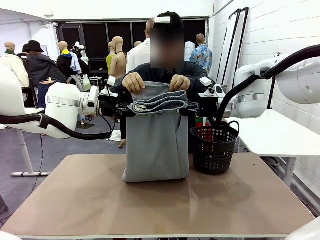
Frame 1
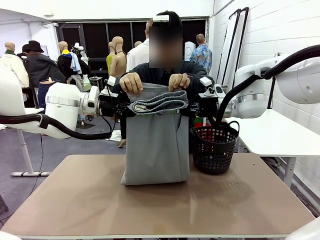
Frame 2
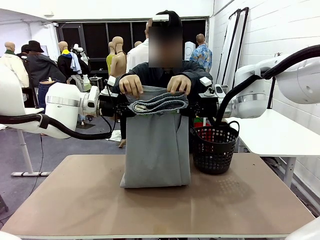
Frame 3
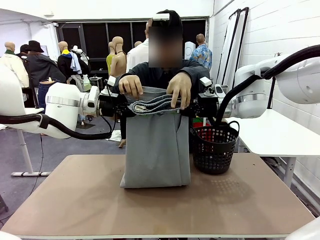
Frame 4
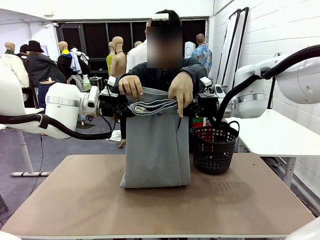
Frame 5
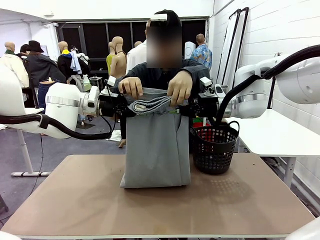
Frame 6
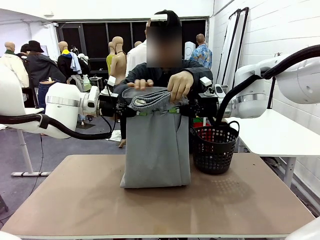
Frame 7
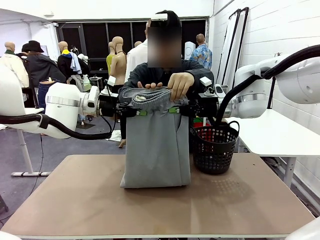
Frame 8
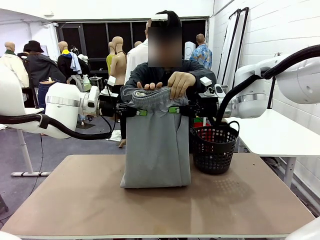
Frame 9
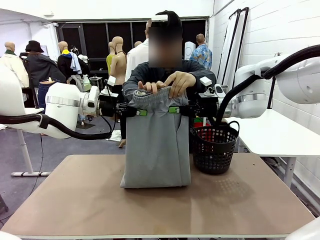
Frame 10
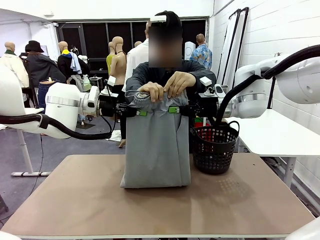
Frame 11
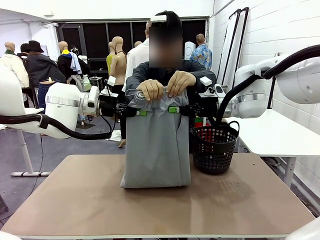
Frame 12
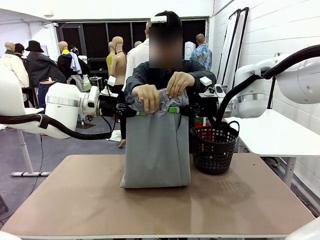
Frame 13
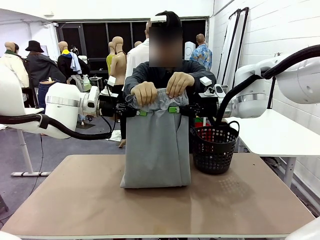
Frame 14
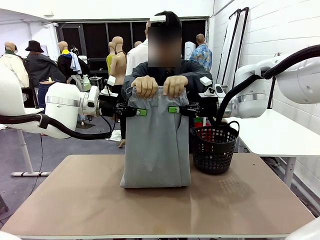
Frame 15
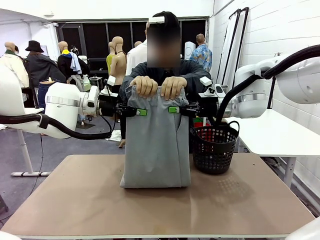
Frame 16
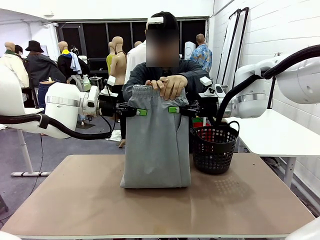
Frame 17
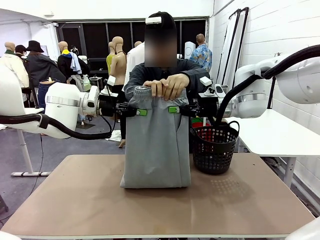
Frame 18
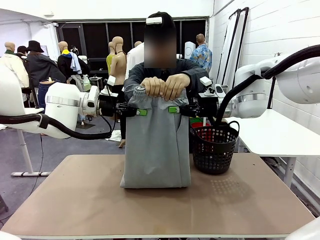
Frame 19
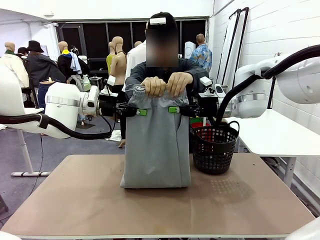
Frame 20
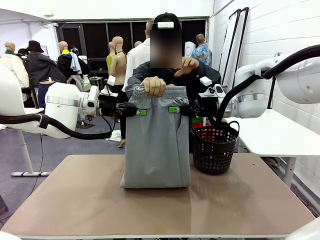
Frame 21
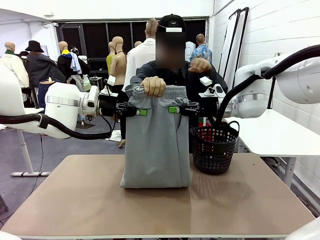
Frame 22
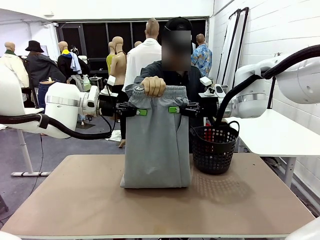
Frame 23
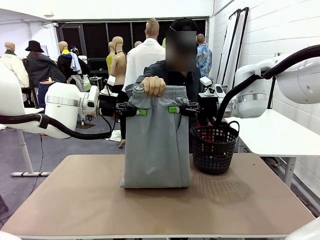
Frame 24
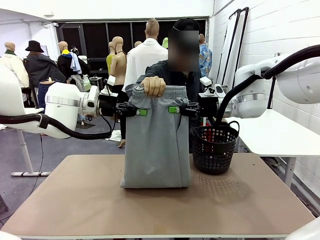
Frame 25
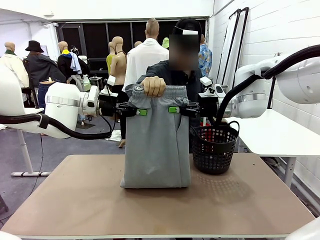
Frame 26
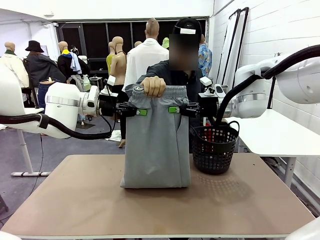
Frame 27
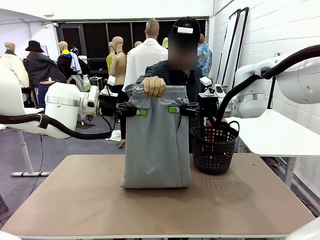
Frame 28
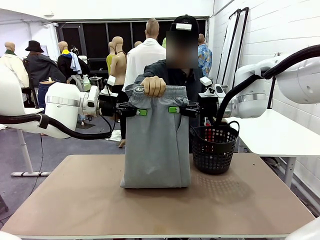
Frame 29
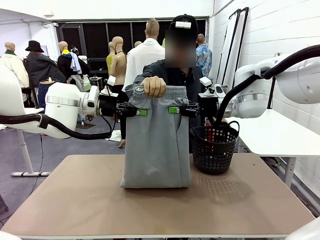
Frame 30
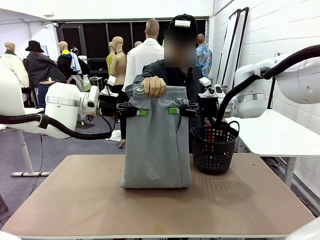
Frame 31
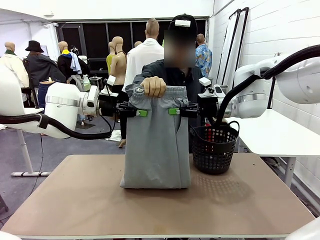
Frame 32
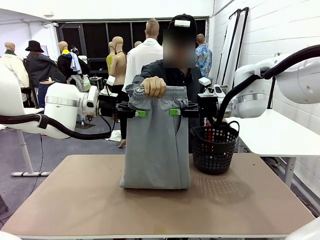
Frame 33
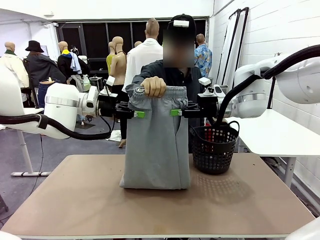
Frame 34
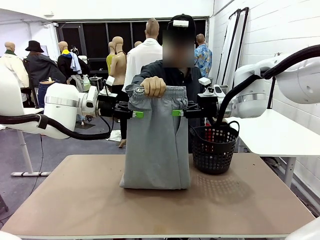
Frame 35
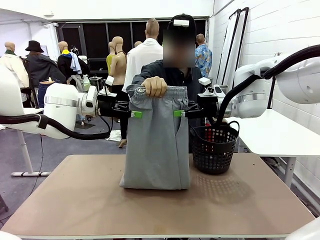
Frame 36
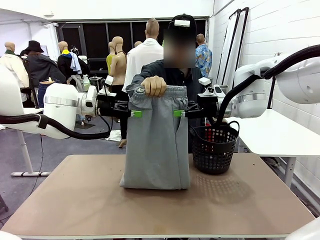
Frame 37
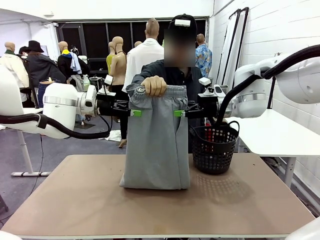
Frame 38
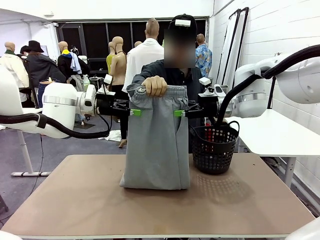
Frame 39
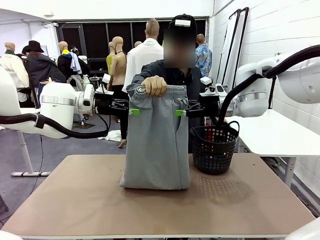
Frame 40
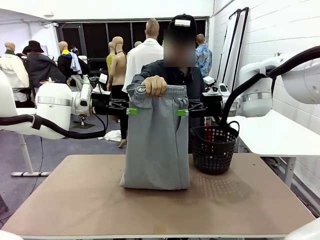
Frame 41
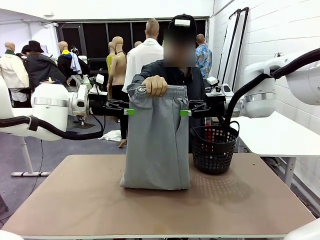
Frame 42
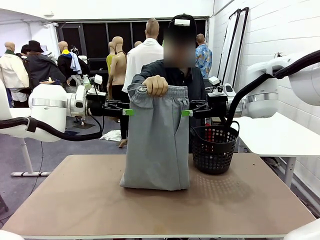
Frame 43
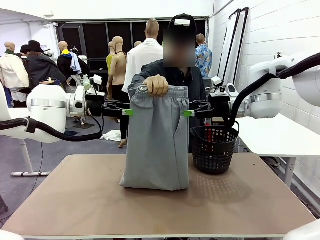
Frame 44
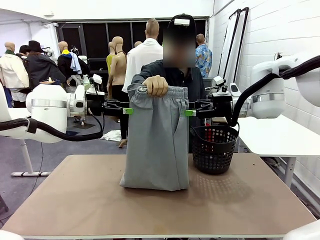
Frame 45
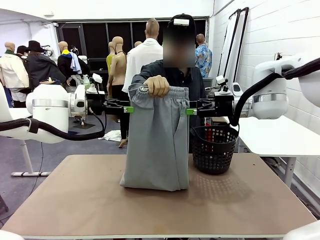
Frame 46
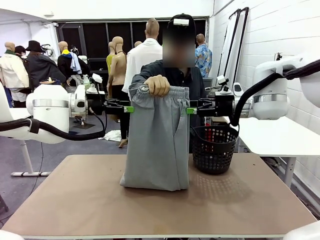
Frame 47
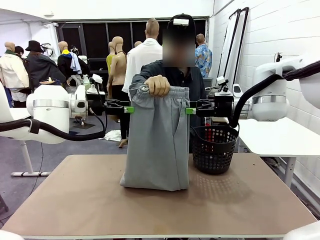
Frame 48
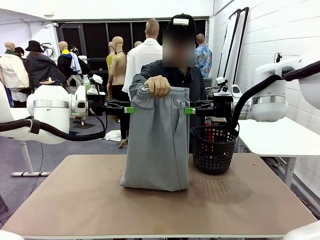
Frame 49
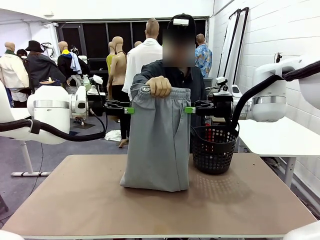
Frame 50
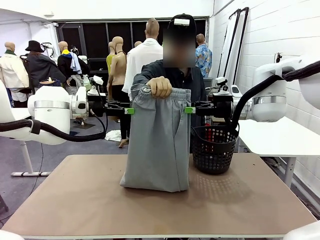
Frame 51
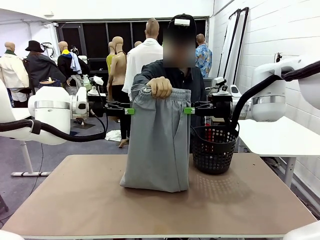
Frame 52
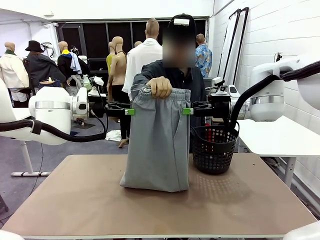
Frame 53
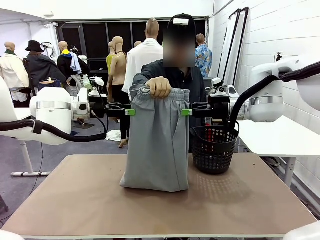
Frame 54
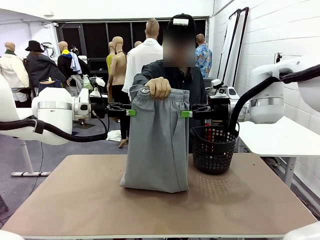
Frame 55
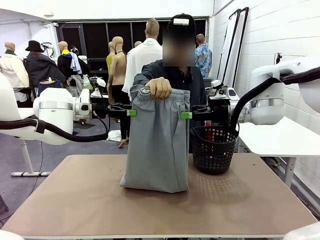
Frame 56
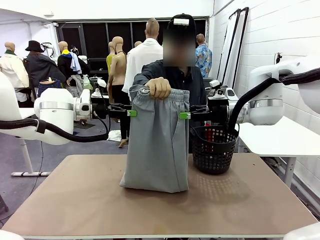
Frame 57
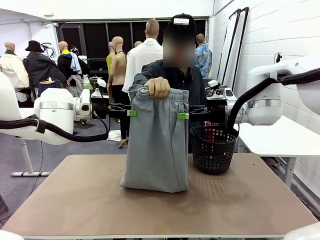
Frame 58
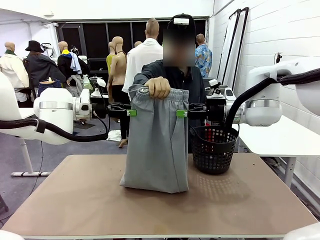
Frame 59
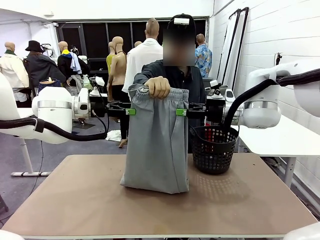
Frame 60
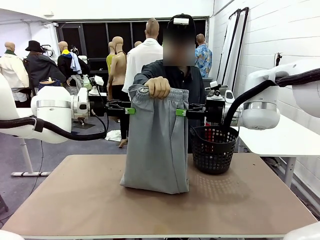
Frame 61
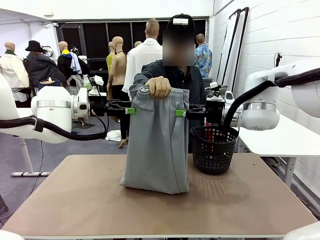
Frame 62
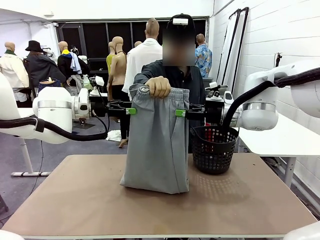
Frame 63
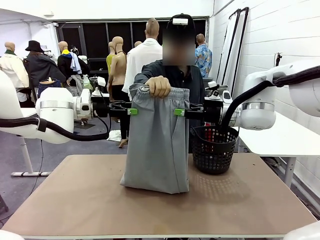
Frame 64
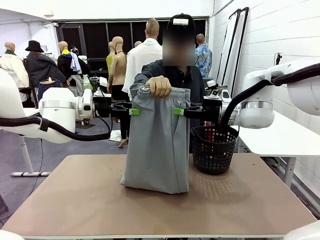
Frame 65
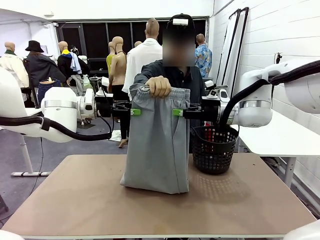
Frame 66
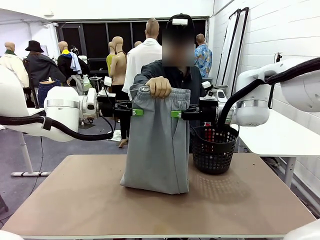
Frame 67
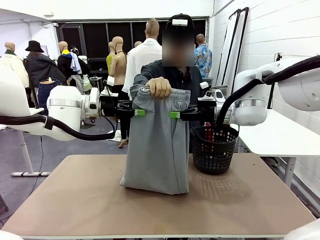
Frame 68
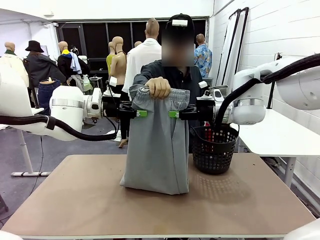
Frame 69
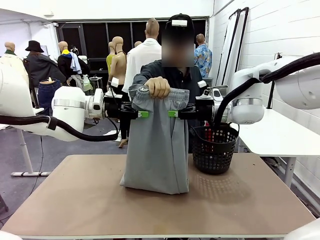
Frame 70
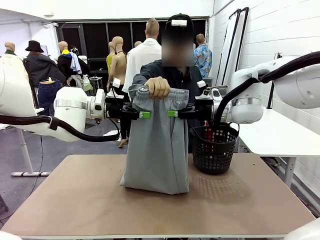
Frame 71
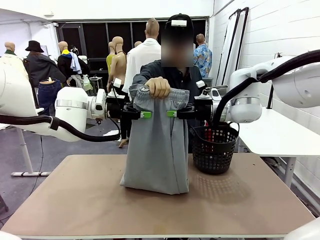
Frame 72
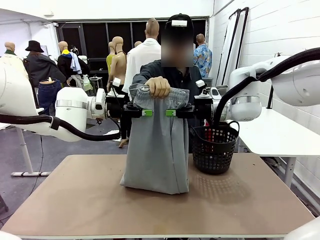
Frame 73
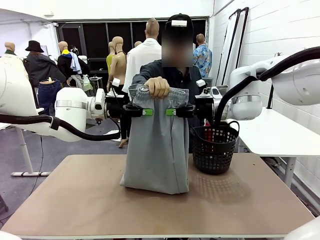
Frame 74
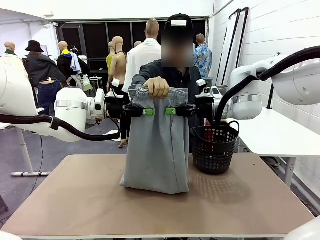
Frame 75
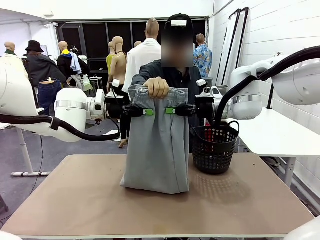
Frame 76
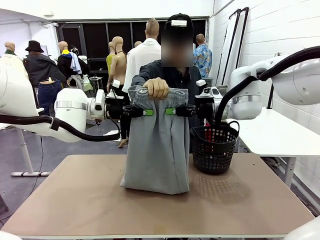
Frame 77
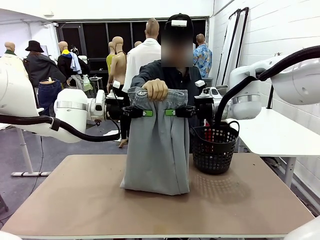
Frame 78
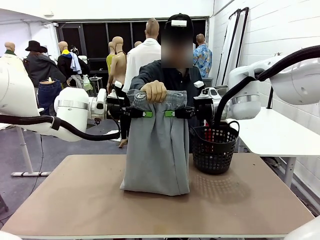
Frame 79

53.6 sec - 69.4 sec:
Task: Fold the training pants.
Robot: Release the ends of the Training pants and then grab the overlapped ends.
Person: Release the pants you were holding.
